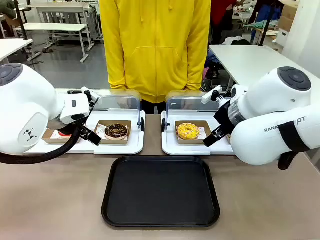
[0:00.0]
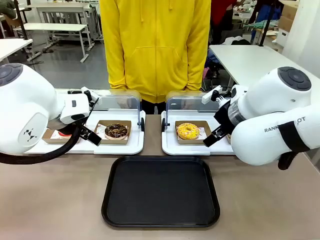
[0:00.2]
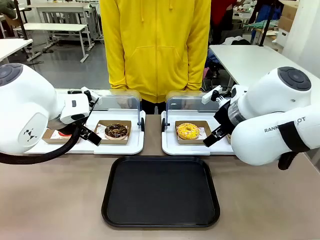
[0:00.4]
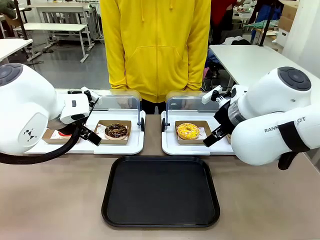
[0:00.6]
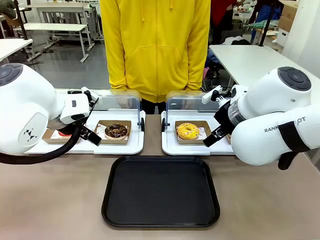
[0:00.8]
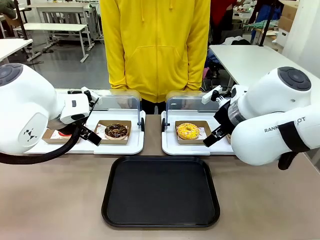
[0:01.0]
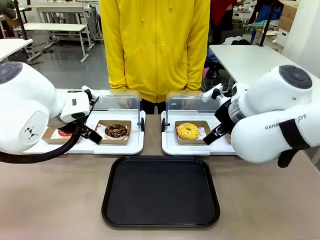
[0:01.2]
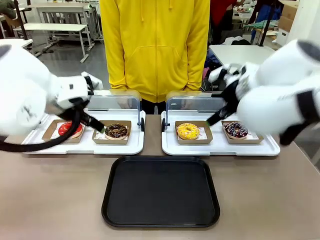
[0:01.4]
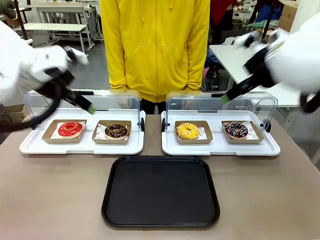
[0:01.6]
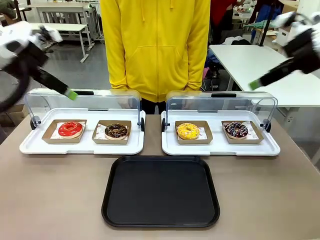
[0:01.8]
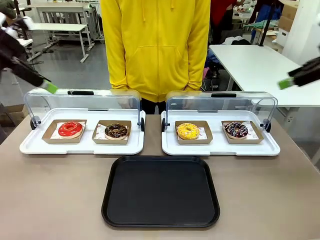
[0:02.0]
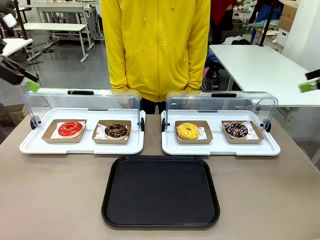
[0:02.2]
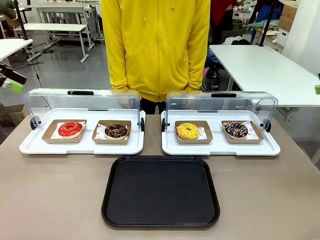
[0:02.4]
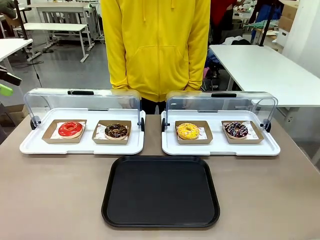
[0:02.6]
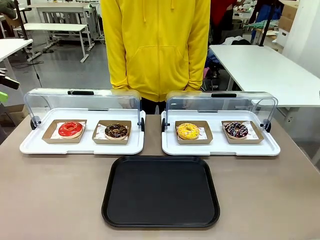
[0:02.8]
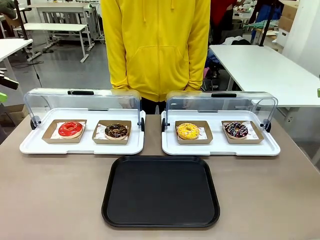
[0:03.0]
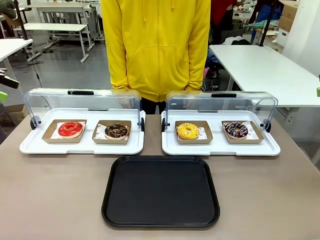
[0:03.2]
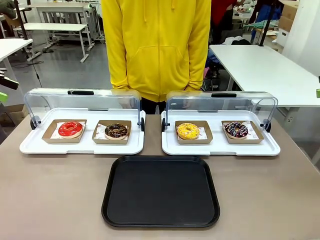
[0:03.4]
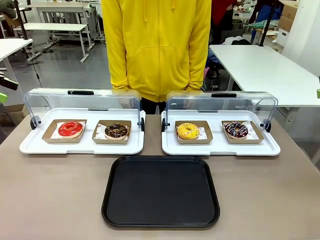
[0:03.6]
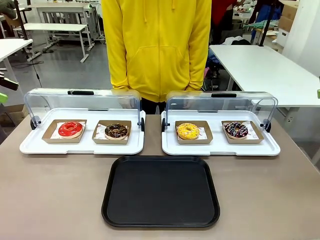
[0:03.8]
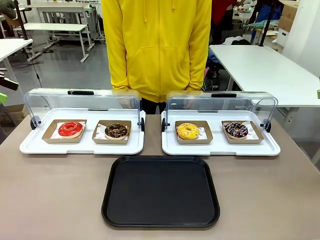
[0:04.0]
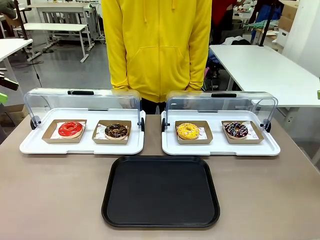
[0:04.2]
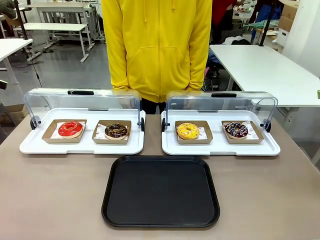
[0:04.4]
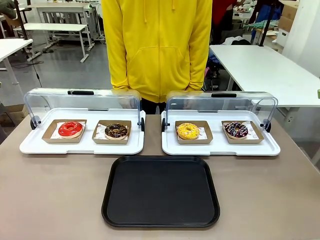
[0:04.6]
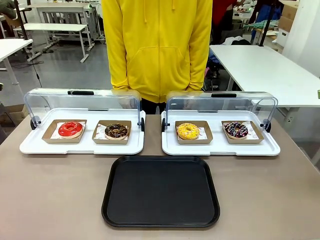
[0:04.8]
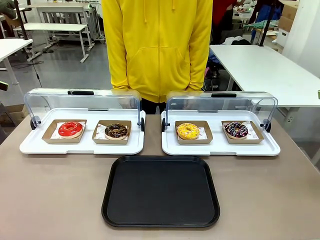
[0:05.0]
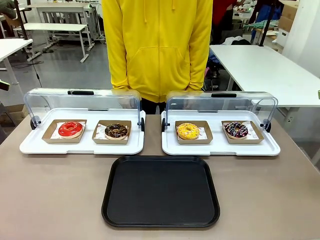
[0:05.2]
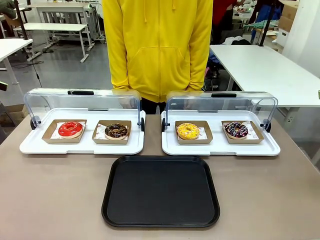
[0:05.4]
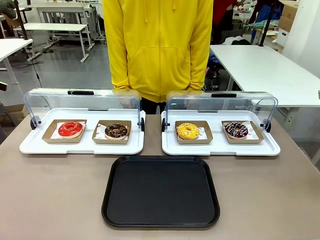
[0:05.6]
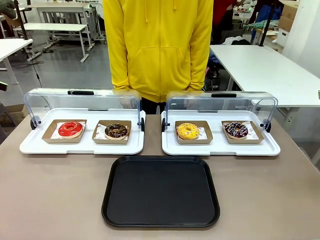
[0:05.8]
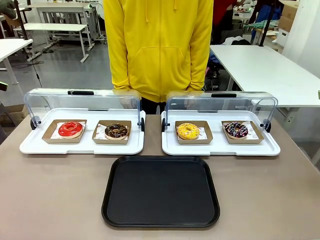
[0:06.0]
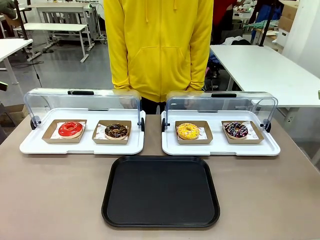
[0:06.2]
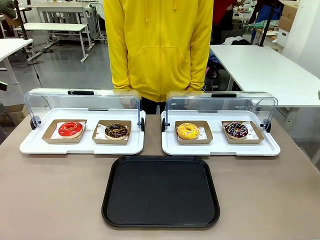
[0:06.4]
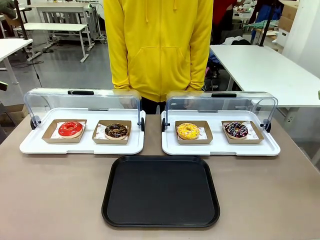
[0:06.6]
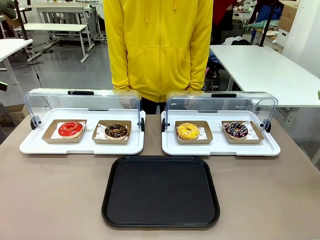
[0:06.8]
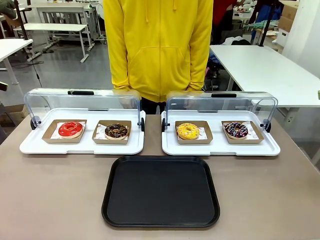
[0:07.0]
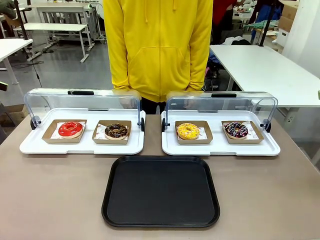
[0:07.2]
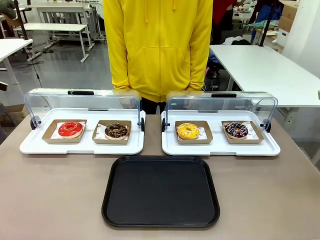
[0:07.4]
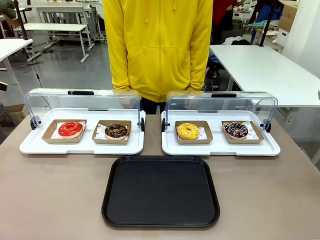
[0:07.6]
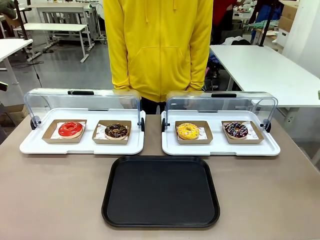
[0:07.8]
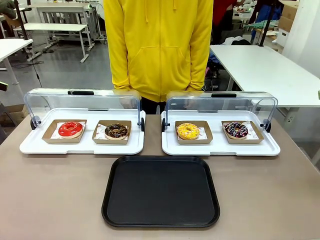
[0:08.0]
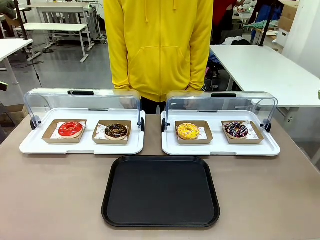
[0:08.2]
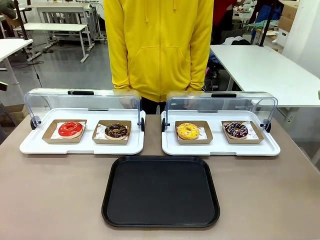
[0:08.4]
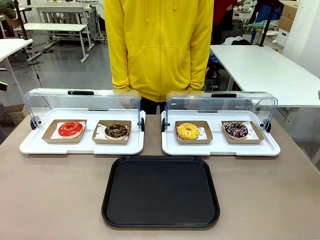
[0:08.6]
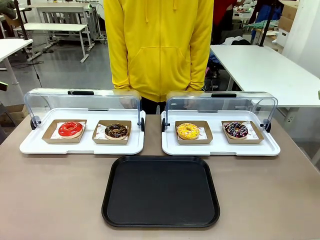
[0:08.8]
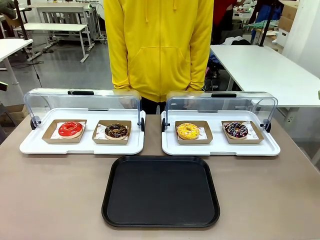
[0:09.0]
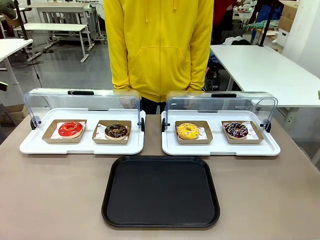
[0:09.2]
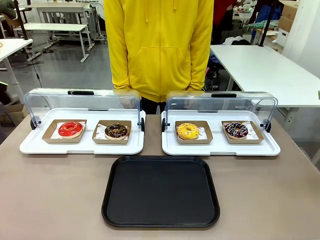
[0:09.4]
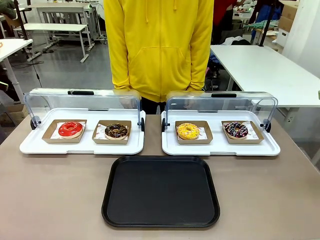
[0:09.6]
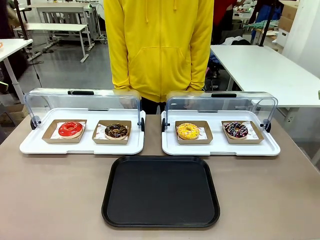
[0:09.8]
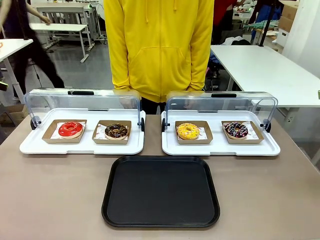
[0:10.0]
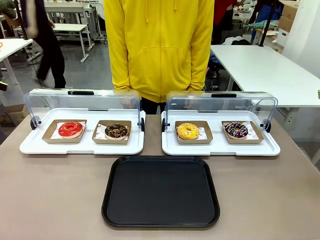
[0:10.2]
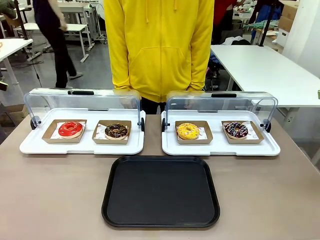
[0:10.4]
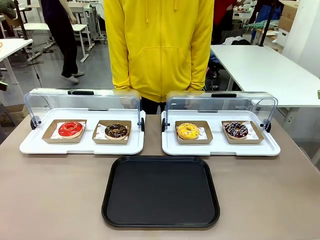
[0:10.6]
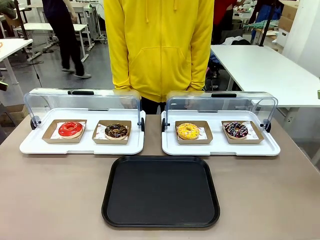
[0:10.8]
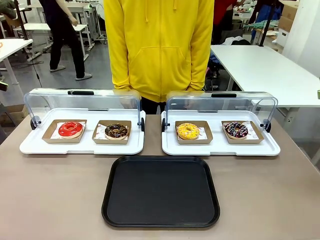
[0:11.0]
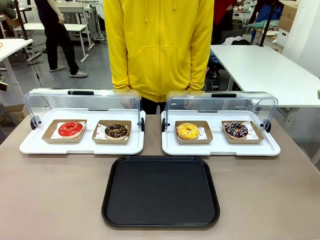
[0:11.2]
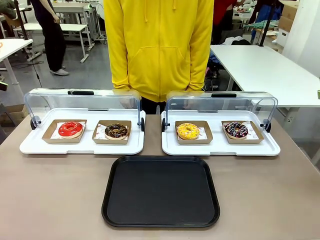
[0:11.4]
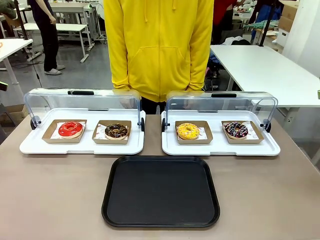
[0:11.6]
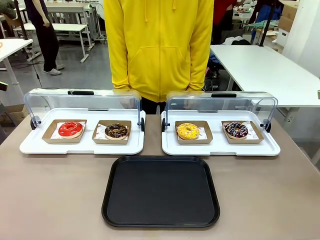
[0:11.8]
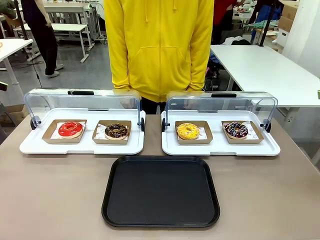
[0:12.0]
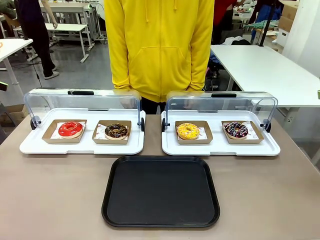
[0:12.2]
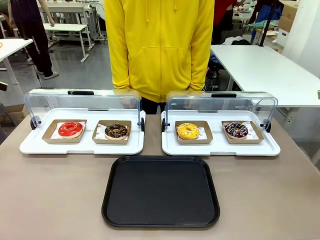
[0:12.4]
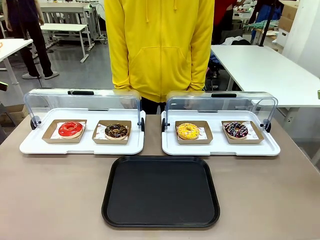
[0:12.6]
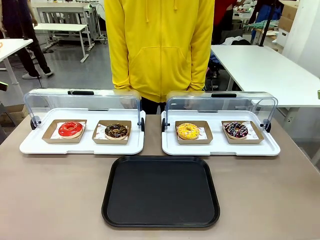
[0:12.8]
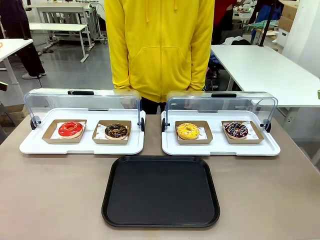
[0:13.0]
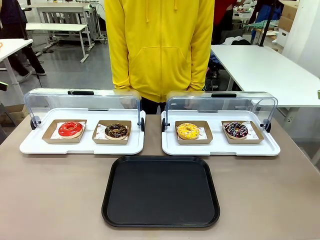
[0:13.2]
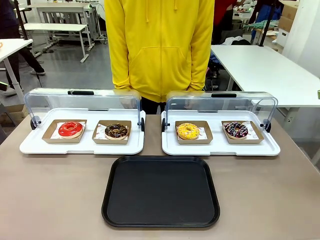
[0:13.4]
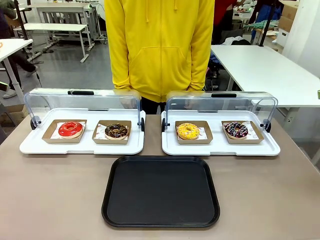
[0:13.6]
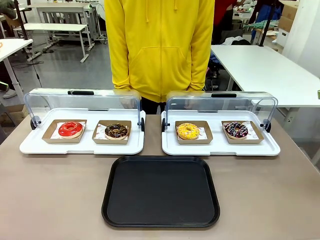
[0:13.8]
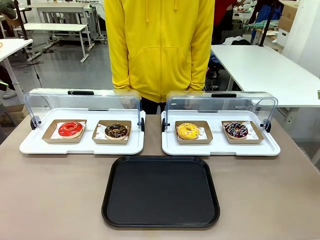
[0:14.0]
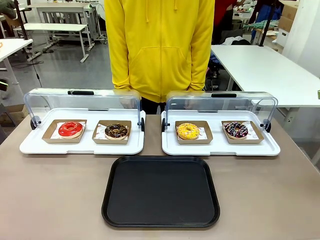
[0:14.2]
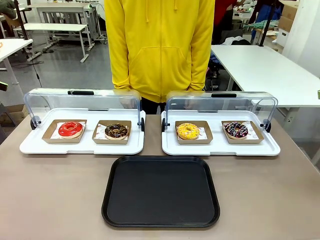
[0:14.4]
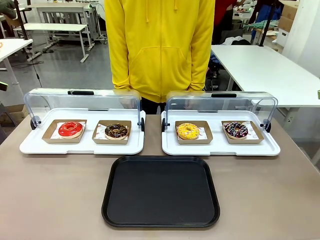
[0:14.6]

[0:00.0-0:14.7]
Task: Move the second donut from the left to the tray.
Robot: Pick up the Paper togo box containing the Donut indicated by the person and place it on the Handle tray.
